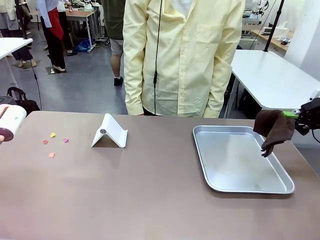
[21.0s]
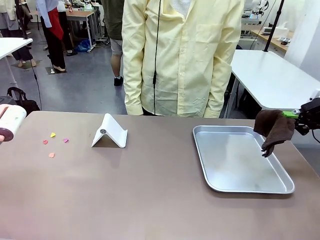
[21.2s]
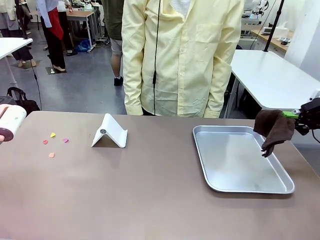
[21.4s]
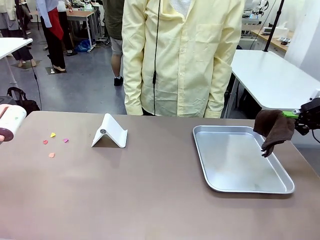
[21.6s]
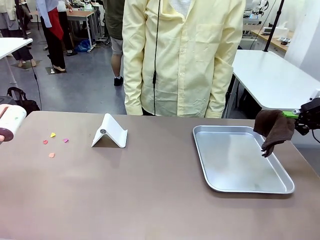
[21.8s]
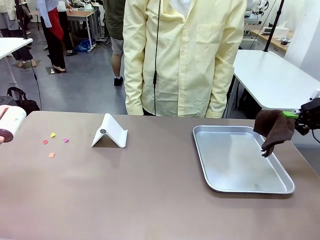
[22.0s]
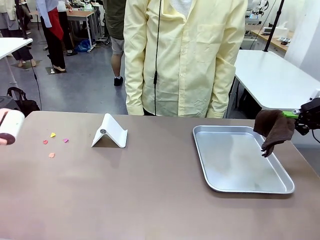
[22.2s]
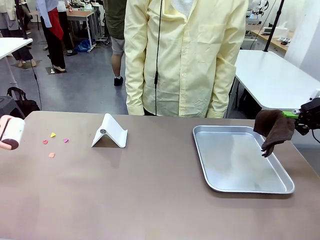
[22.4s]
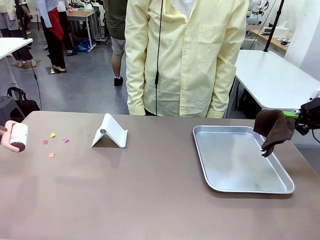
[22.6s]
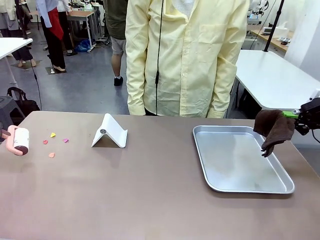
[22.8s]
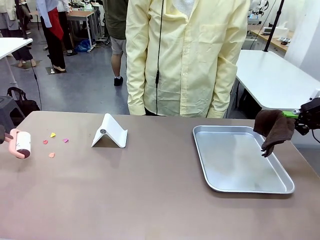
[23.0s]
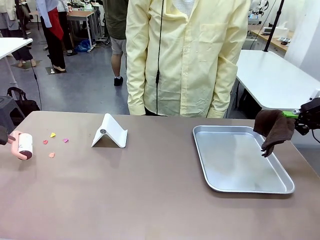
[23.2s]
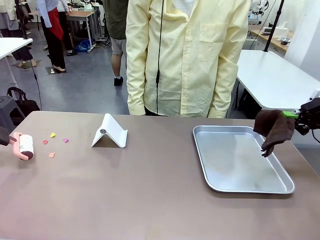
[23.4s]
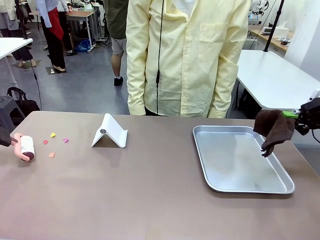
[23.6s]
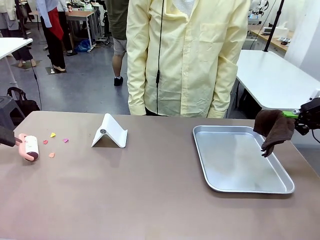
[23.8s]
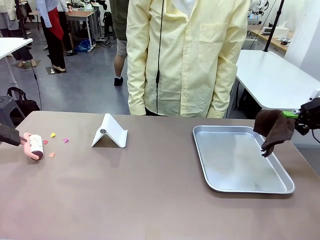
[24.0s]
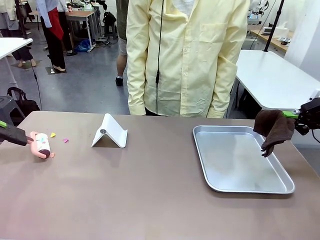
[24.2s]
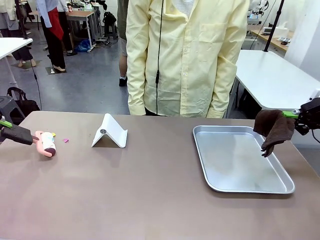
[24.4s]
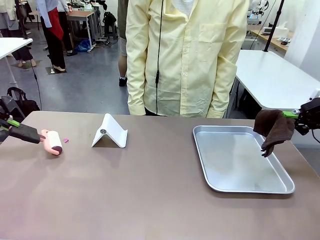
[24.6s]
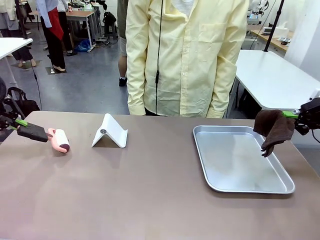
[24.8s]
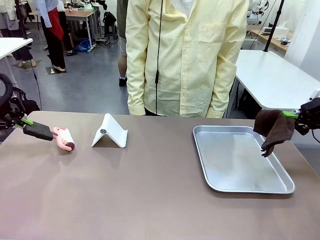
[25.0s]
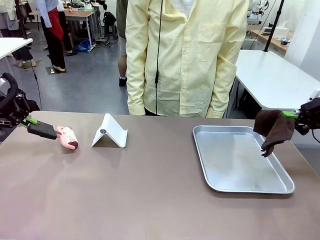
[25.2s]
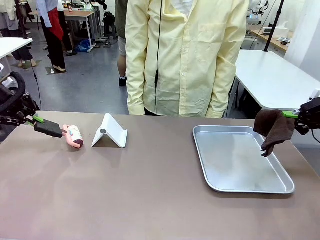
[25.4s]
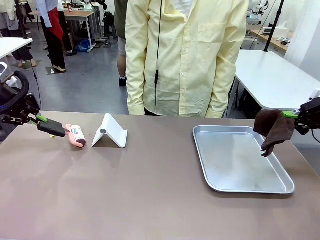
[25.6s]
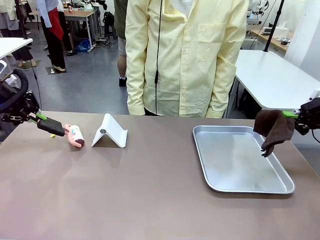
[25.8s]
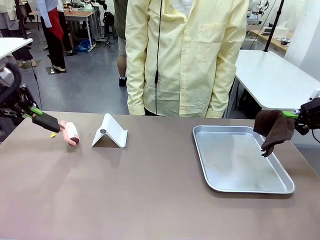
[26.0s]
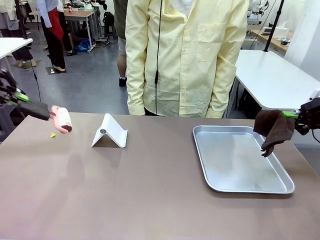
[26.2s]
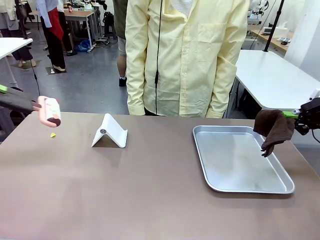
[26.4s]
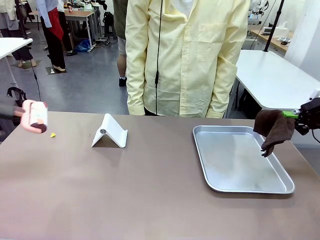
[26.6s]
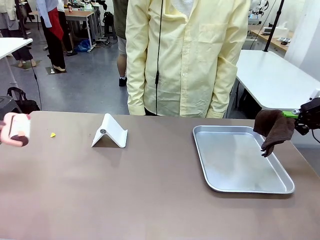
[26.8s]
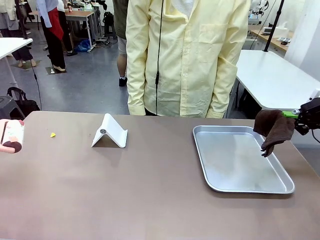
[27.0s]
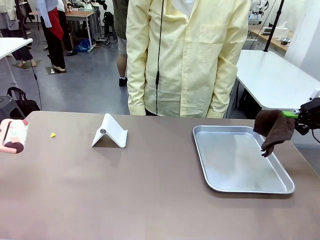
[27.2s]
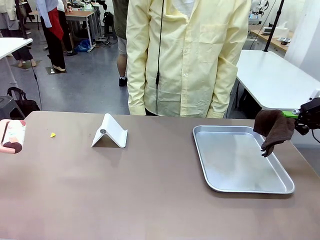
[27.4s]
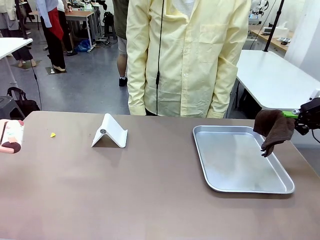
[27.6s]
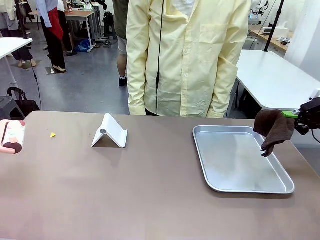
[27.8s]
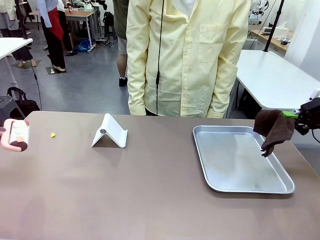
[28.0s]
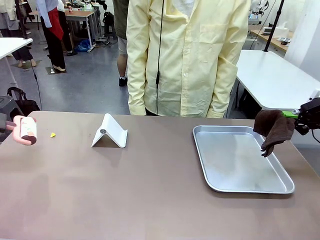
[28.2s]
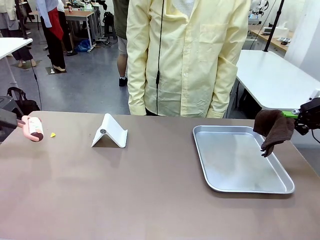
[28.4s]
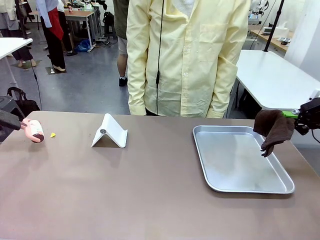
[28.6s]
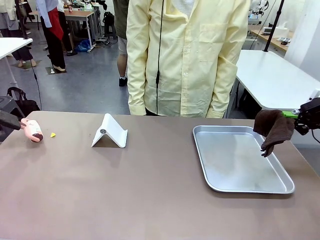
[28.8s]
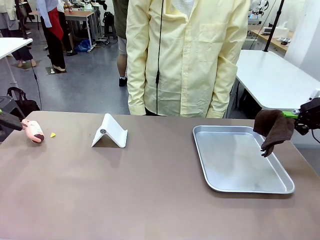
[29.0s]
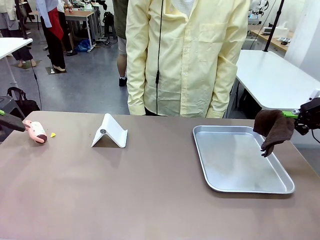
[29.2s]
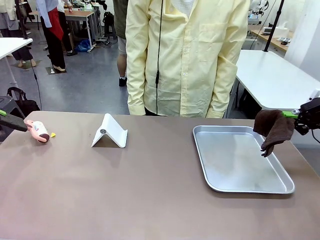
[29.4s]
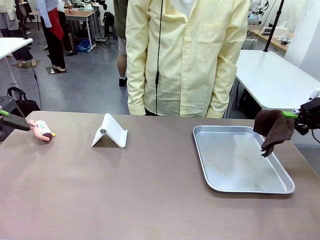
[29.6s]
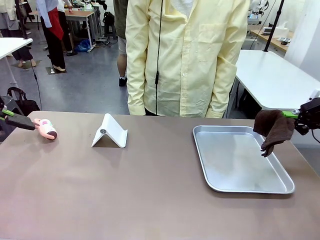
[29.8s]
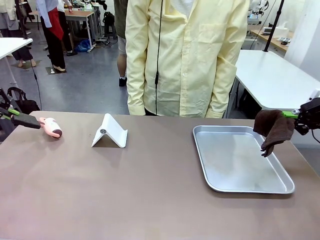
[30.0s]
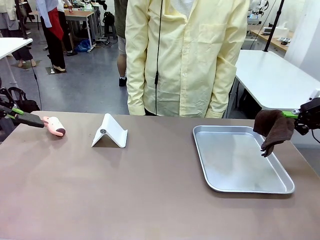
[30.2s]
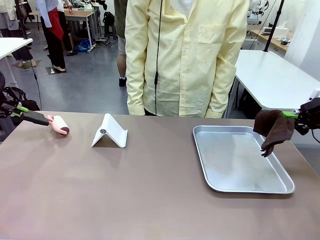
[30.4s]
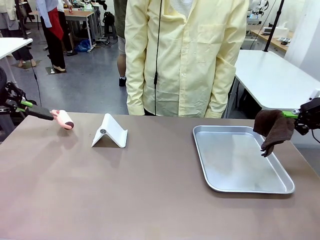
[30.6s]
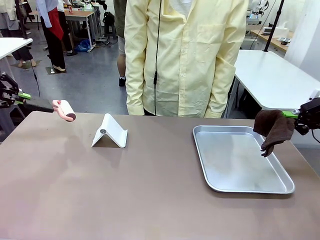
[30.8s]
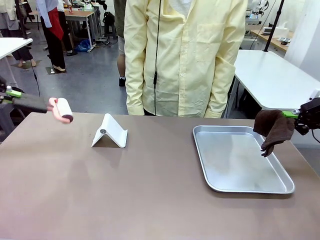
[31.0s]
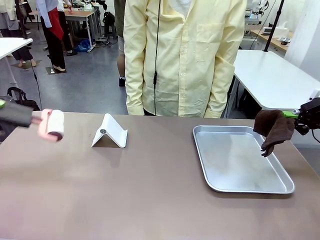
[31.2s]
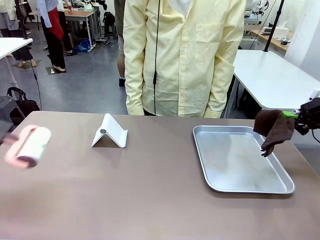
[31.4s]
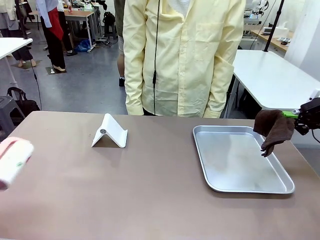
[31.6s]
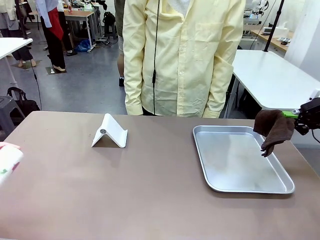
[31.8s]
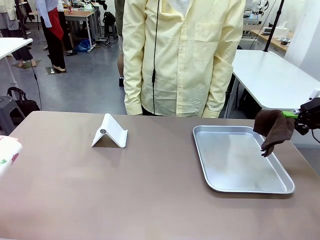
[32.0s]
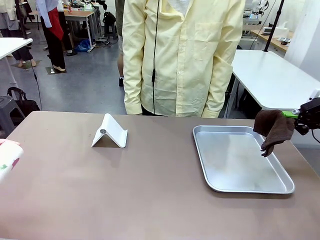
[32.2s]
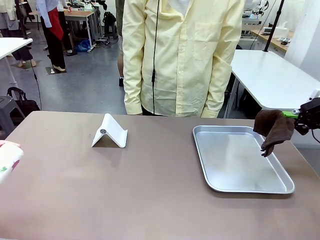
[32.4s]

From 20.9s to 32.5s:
Task: Clean the surface of the table.
Robot: Clean the area not pointed to by the person.

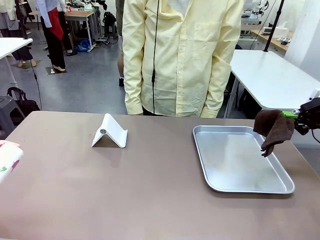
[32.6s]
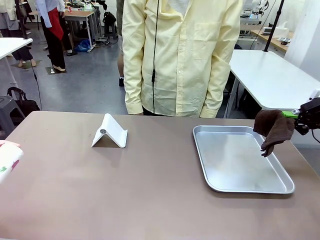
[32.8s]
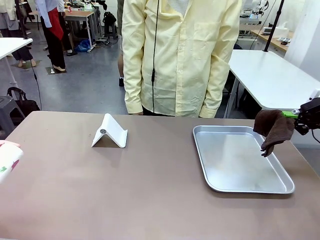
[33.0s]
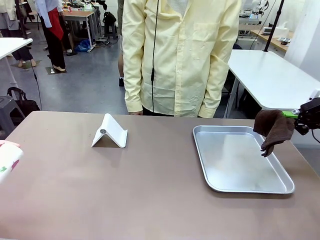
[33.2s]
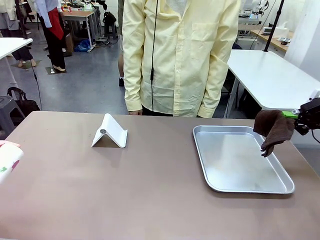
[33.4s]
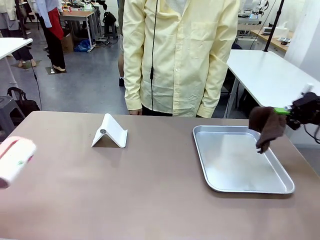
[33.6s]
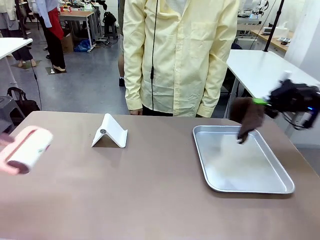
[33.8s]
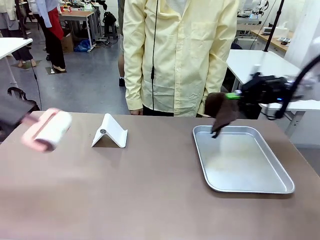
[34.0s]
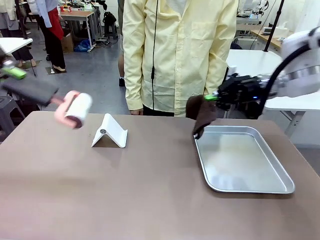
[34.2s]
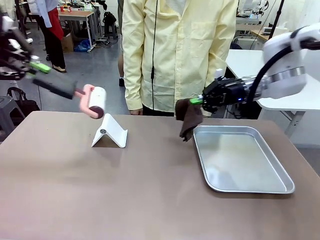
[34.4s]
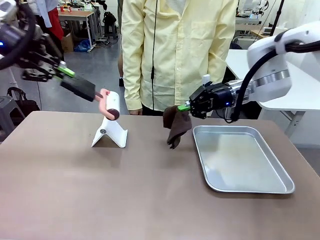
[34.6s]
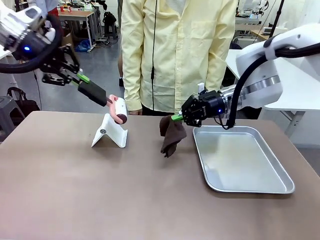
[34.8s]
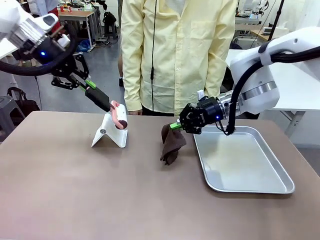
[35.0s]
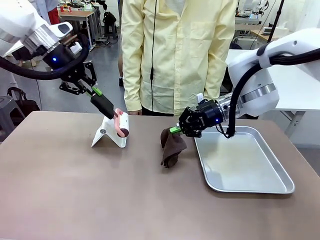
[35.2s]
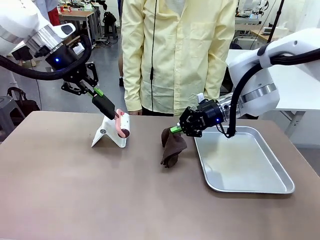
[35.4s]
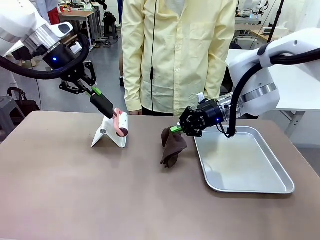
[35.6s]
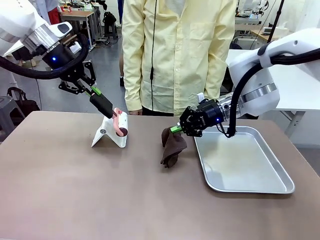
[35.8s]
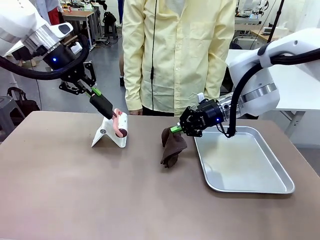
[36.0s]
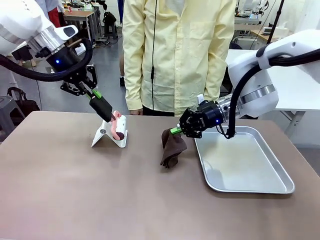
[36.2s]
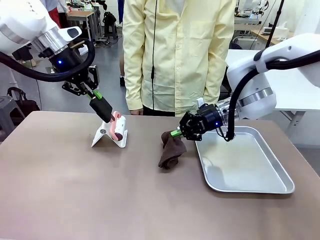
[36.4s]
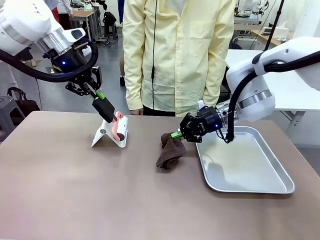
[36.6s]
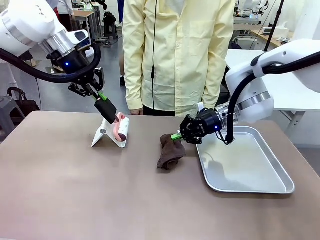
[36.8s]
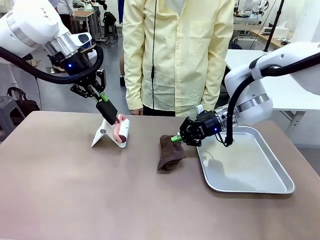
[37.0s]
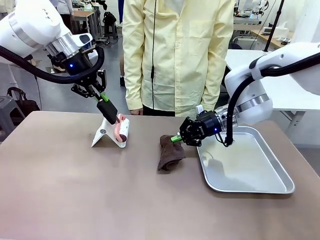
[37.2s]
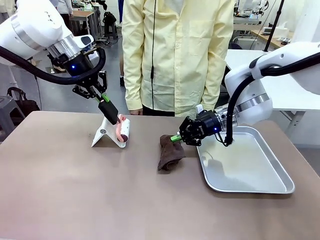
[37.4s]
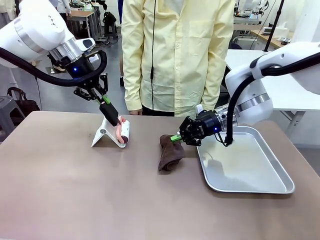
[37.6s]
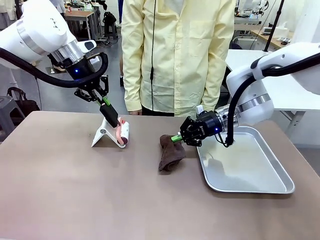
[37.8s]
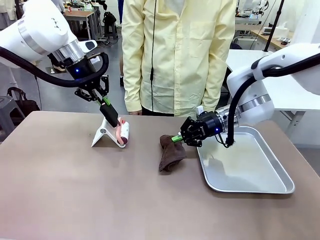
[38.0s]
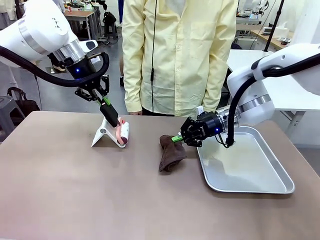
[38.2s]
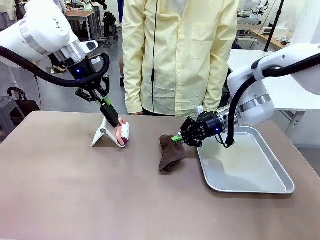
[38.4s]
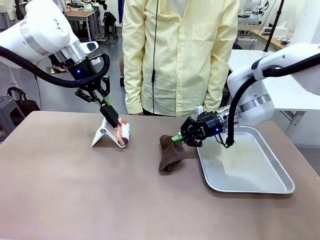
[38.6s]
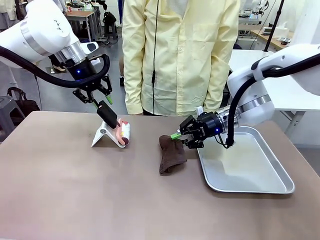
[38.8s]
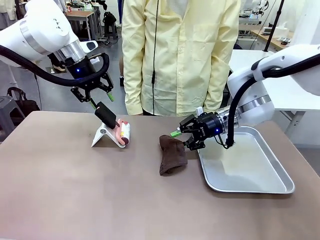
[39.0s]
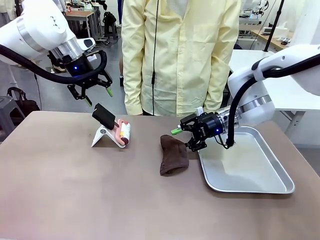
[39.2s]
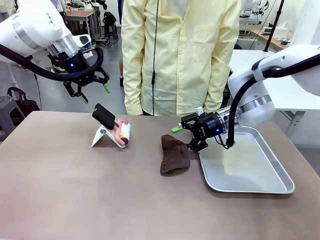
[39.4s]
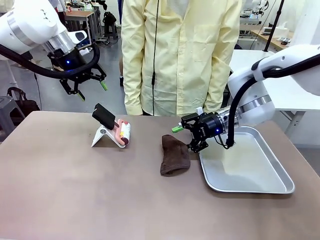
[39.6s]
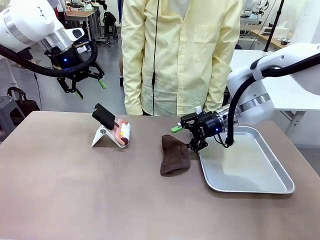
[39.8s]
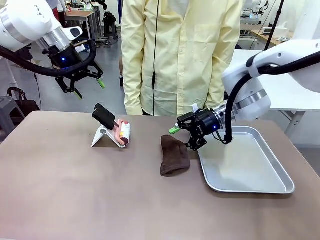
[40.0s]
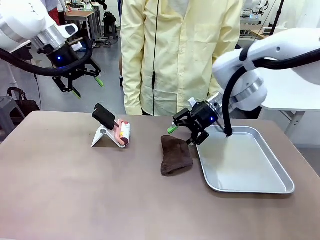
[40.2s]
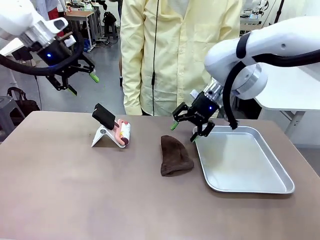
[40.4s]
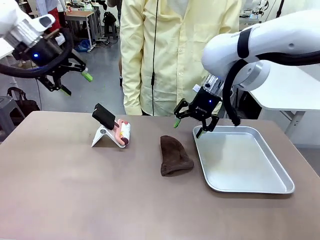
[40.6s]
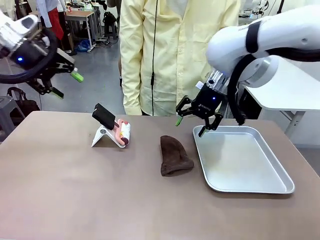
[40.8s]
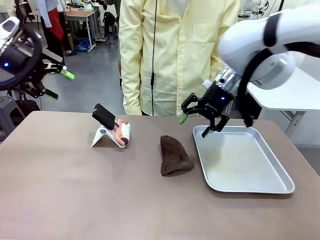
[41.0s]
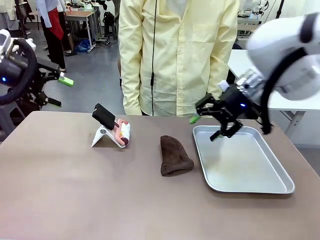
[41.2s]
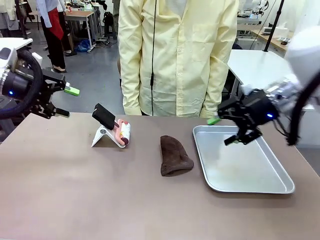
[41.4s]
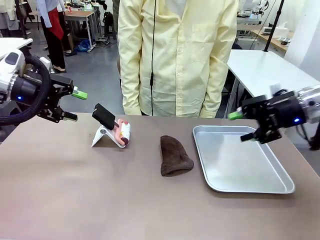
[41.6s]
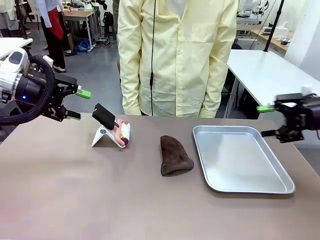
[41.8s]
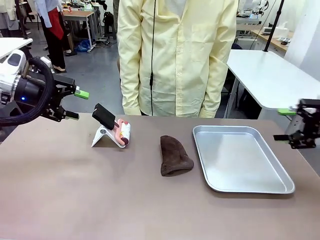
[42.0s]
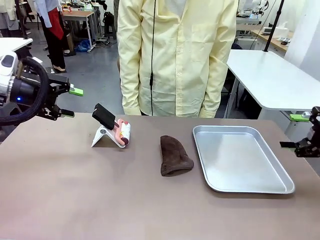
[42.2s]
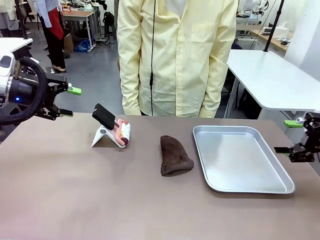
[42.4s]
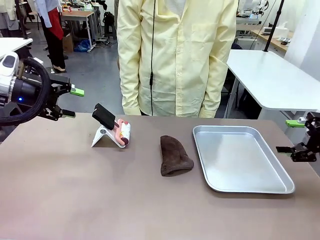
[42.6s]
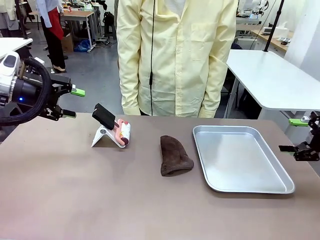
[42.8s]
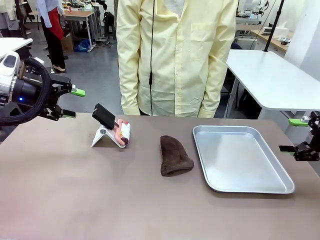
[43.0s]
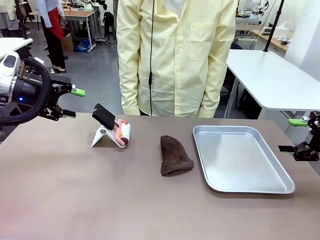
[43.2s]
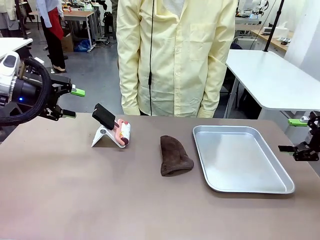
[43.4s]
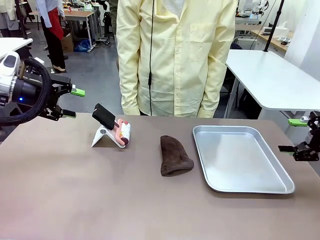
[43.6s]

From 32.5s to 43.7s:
Robot: Return the Lint Roller and towel to their original positions.
